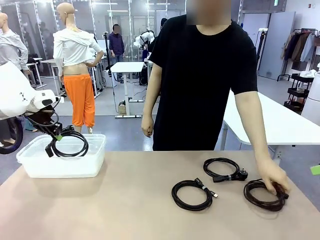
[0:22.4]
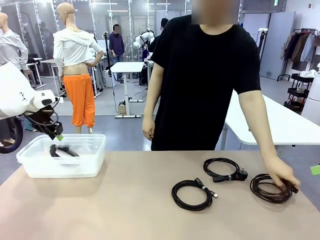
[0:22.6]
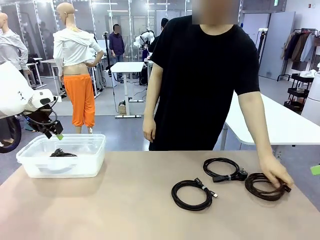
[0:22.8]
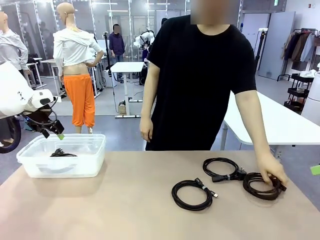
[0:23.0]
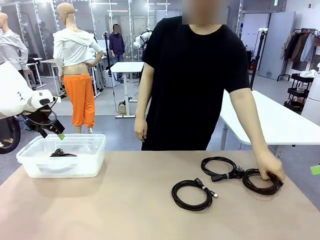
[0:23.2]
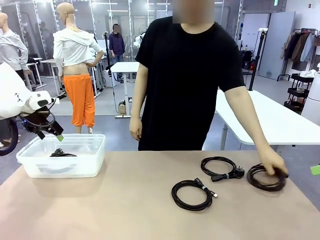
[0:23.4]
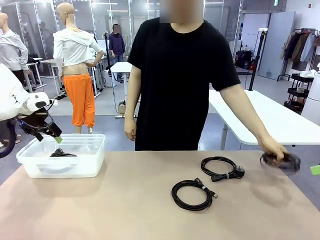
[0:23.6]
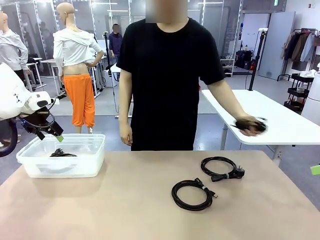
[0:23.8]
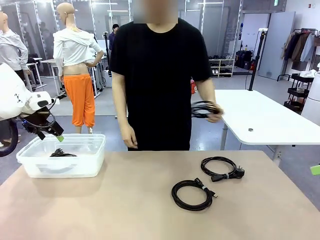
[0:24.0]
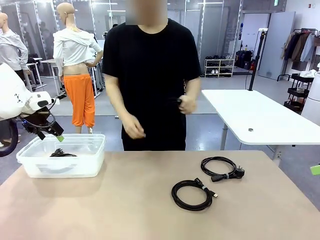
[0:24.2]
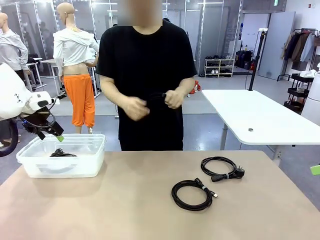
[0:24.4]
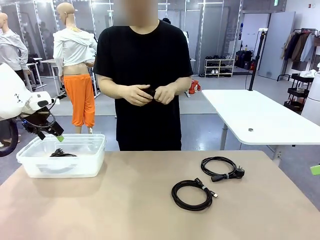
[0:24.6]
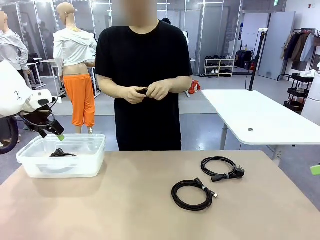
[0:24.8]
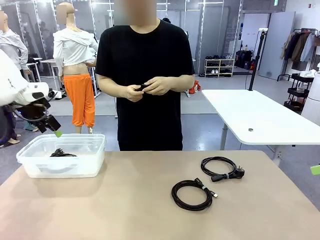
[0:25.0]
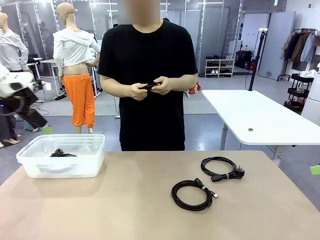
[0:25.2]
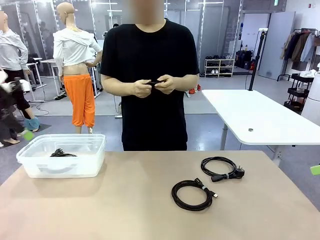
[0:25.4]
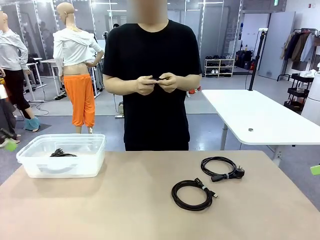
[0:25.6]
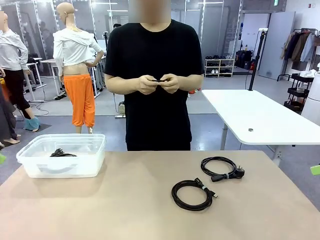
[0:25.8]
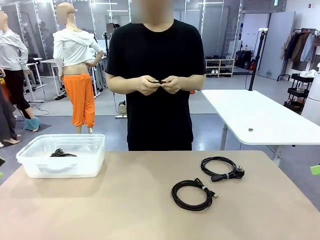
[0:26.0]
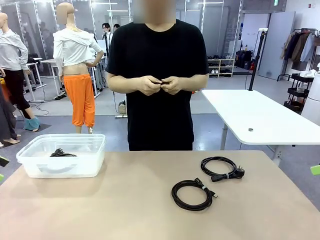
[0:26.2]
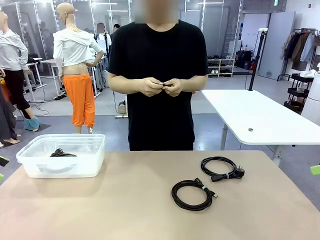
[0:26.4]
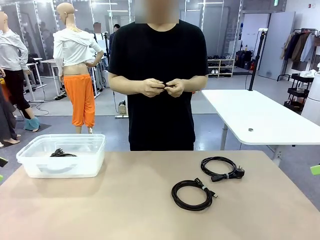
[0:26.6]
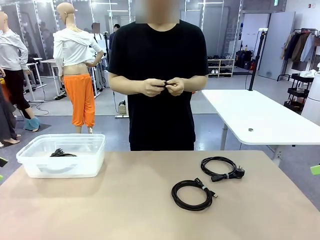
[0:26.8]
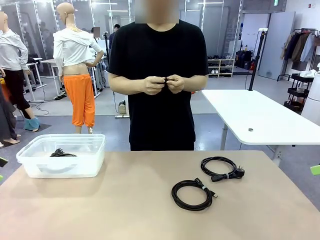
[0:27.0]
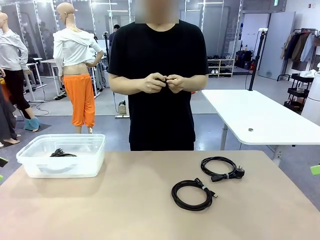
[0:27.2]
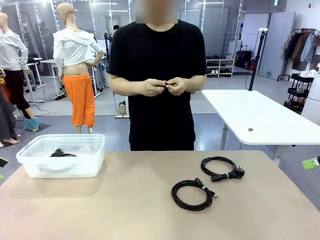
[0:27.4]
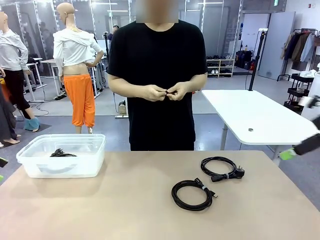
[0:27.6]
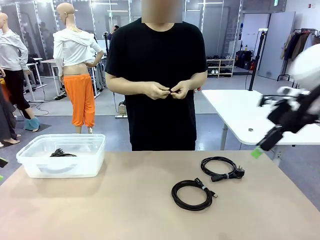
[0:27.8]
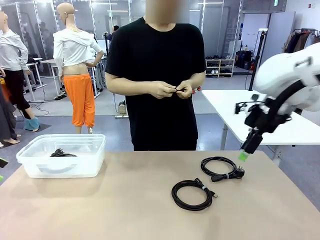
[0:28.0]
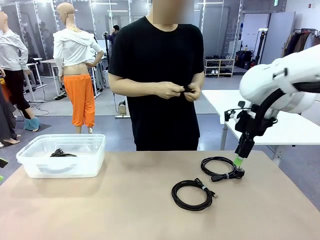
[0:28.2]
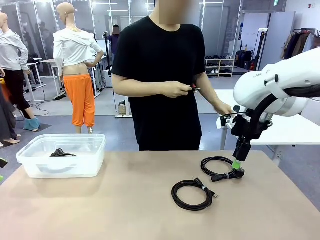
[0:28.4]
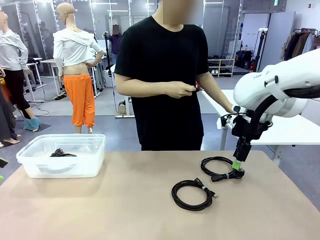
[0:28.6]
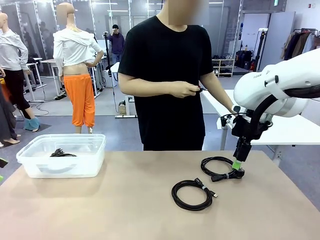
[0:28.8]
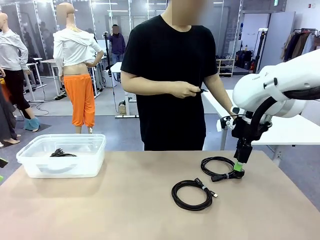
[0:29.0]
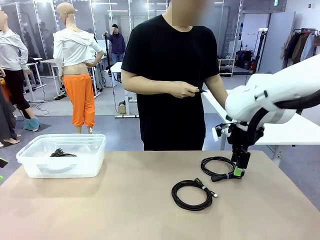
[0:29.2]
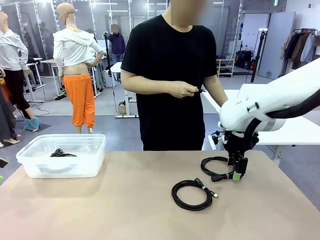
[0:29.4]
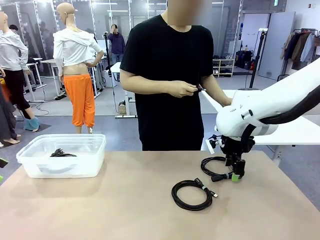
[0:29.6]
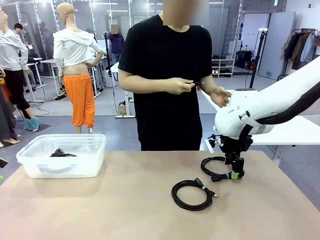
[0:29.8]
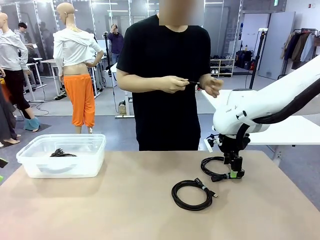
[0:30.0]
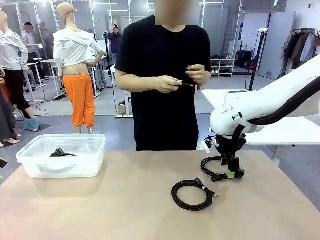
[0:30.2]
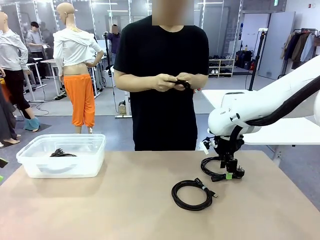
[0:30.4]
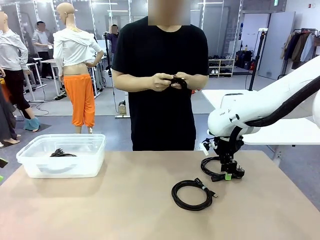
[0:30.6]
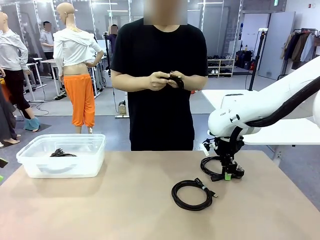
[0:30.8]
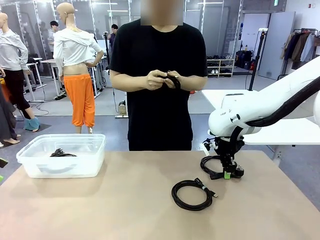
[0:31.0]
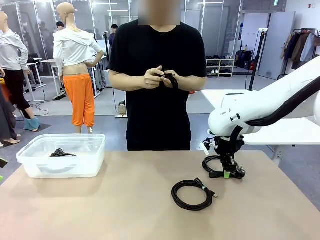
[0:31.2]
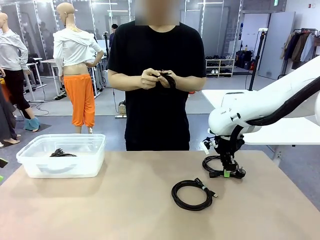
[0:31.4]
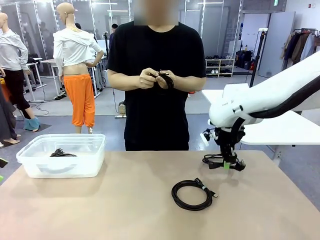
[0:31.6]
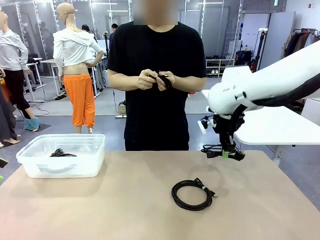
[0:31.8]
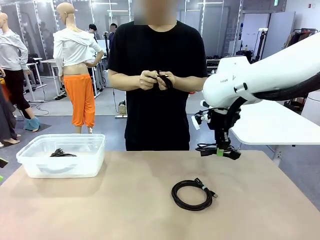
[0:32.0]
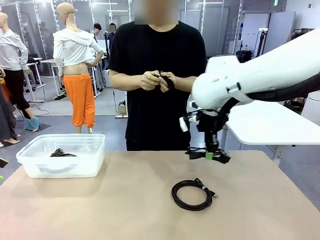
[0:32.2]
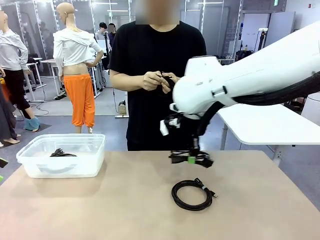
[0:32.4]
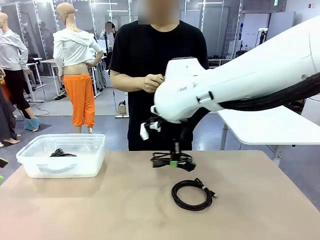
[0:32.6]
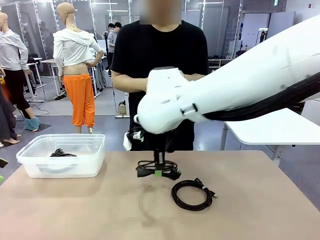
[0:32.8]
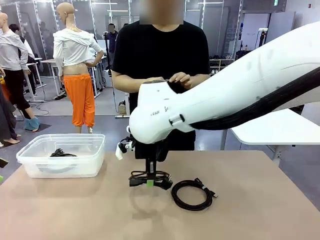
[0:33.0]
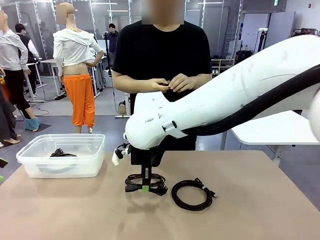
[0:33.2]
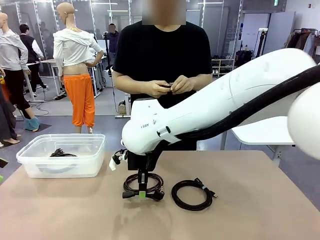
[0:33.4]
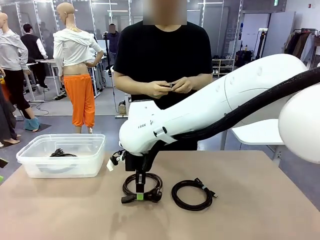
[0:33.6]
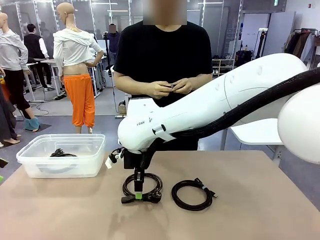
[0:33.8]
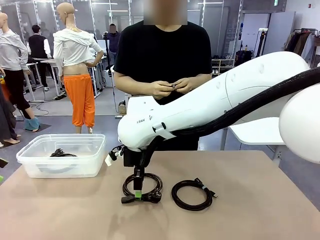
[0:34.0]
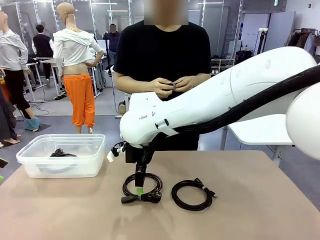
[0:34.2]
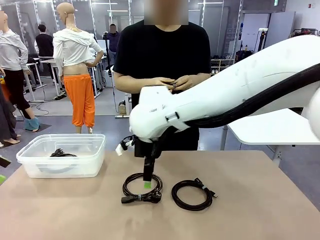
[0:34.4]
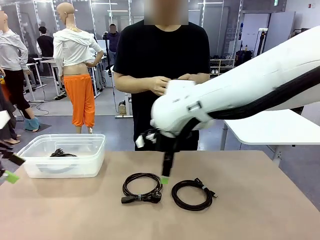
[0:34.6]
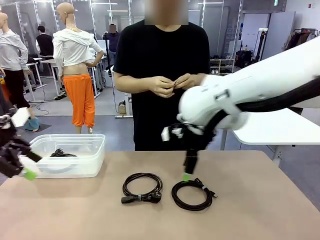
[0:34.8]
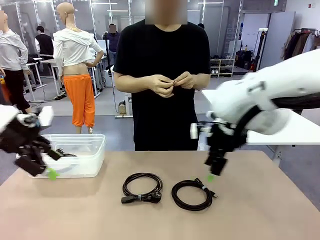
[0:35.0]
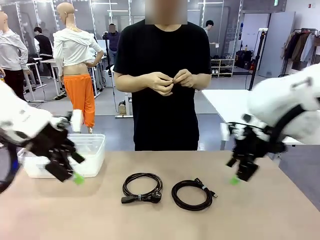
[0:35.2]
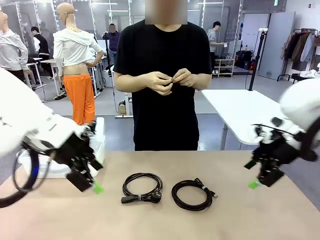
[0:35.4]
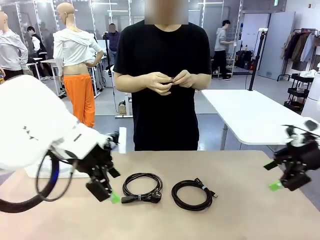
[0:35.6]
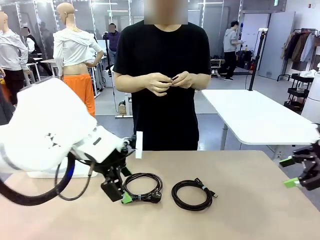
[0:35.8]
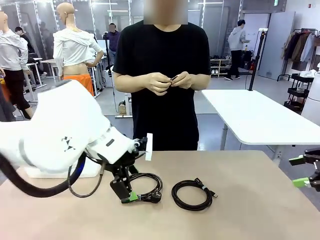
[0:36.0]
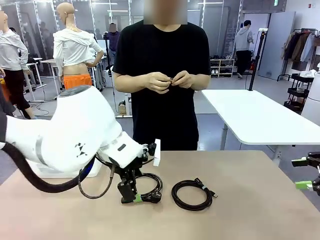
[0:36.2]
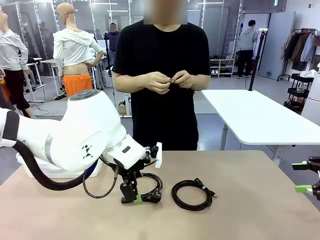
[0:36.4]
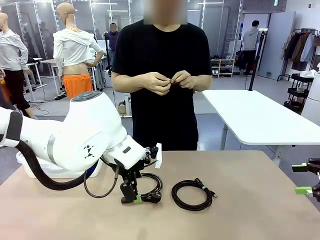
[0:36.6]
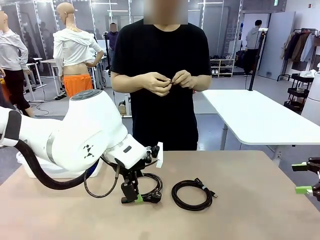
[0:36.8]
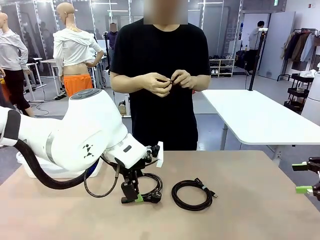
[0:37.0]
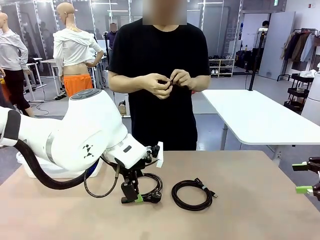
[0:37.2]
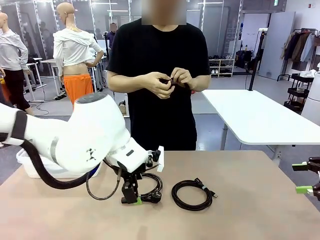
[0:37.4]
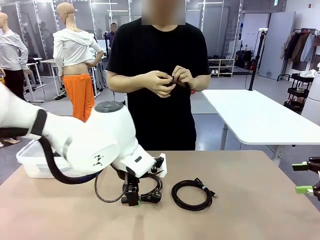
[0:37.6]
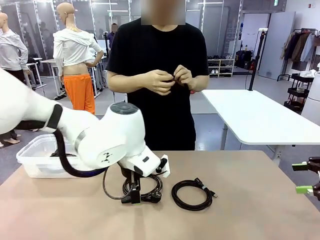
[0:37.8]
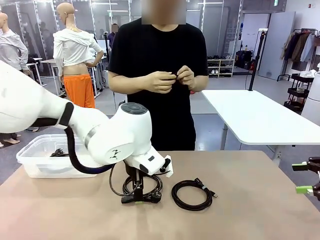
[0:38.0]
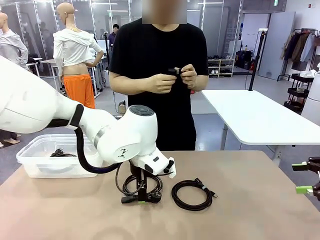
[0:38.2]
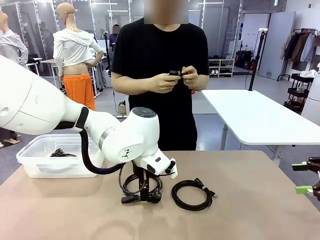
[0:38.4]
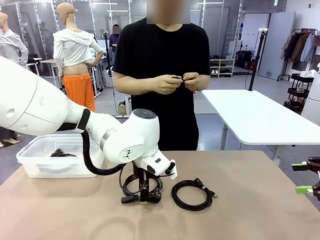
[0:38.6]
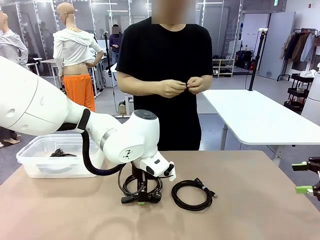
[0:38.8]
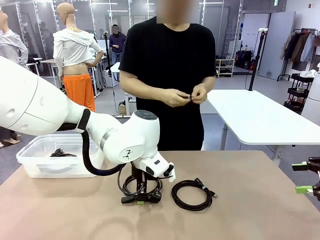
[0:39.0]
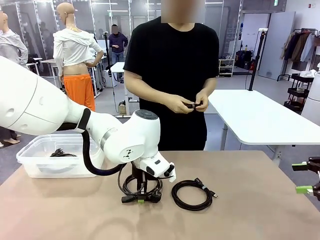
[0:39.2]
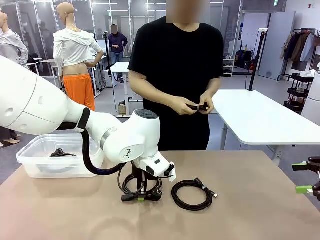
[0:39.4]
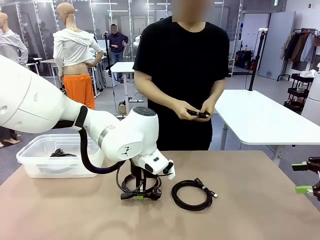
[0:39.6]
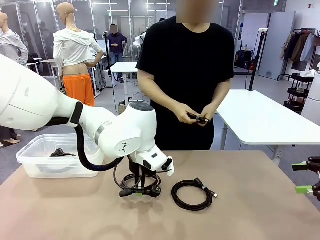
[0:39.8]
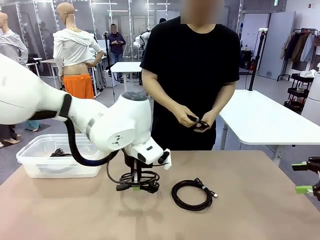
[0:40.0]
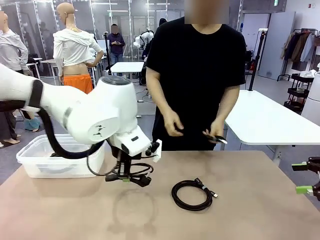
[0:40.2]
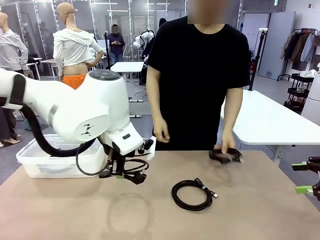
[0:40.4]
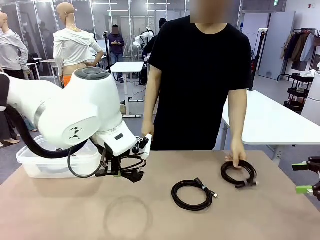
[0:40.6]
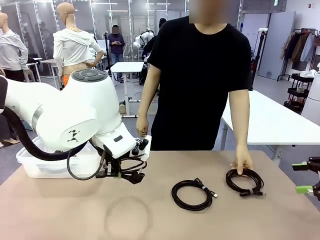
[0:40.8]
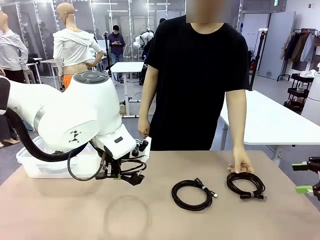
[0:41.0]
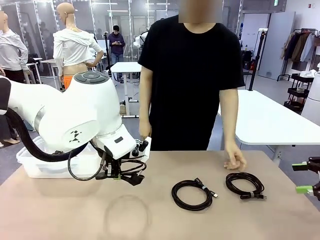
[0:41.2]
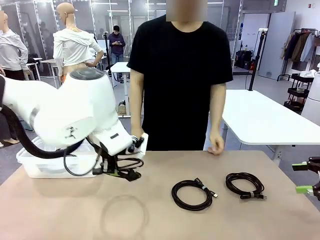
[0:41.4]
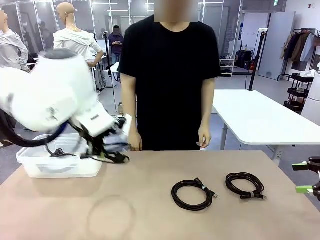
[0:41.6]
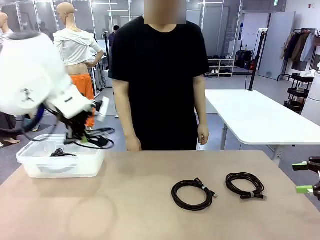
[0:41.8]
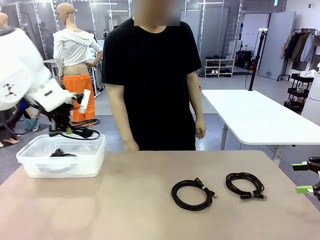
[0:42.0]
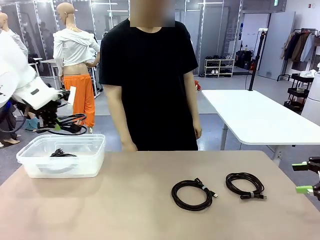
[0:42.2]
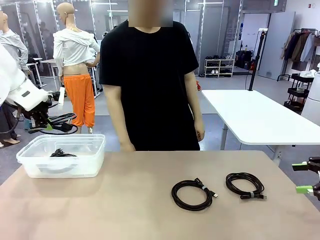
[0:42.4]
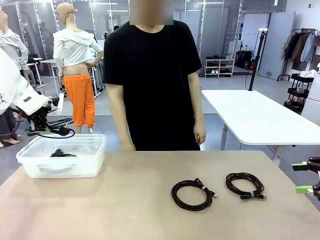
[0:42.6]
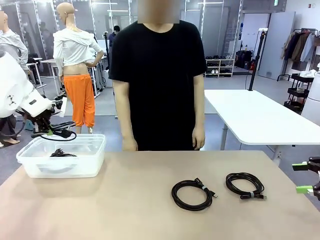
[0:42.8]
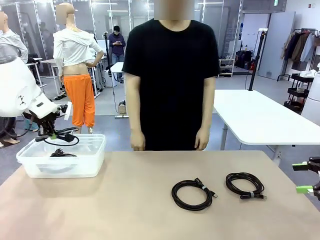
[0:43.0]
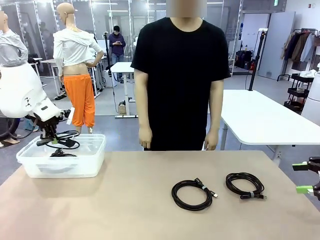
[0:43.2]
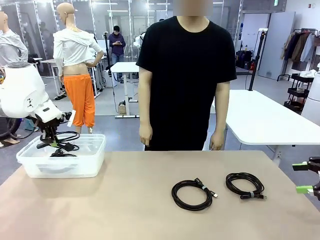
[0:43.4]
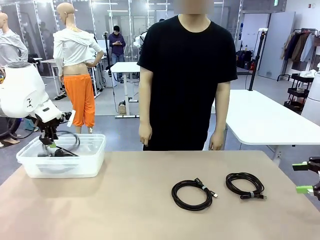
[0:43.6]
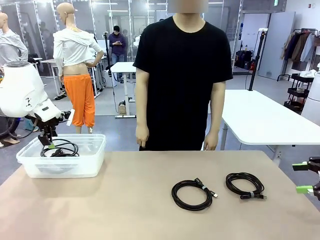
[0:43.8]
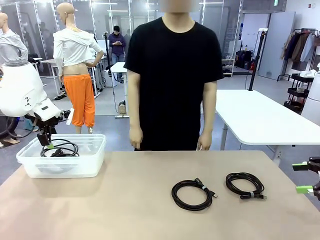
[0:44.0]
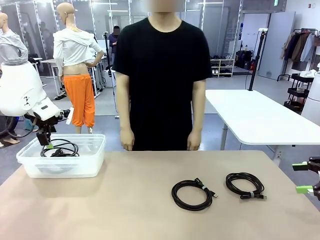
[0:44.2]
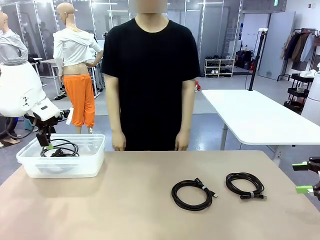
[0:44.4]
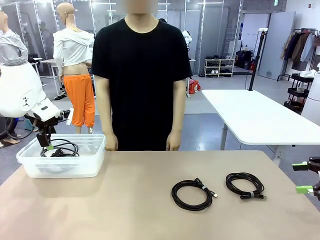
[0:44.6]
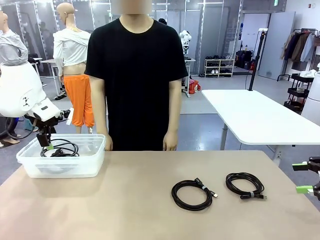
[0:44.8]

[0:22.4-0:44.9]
Task: Organize and store the cables.
Robot: Place the Power Cable into the Organizing box.
